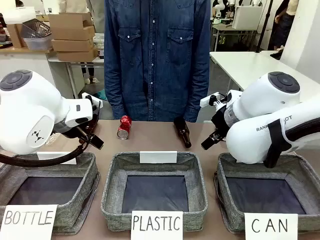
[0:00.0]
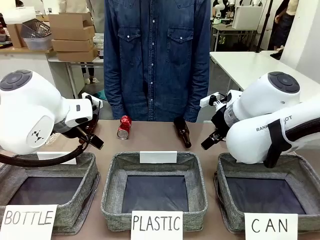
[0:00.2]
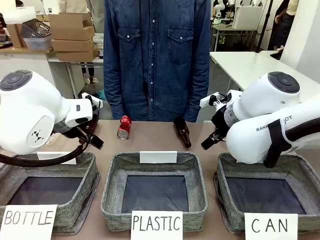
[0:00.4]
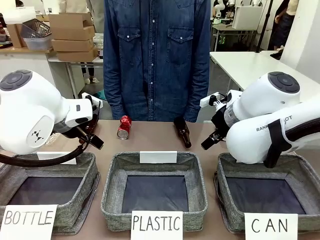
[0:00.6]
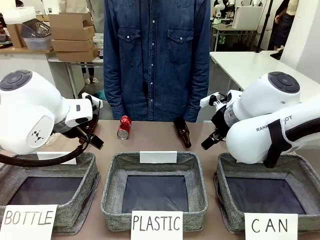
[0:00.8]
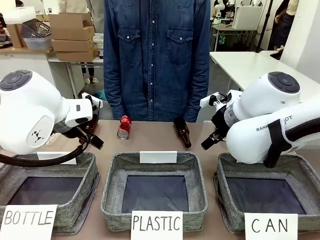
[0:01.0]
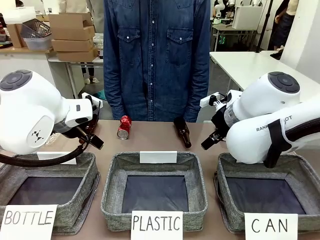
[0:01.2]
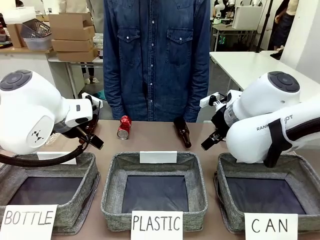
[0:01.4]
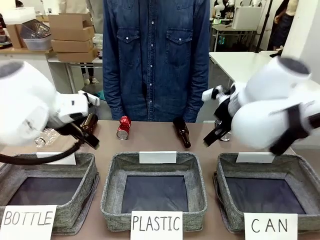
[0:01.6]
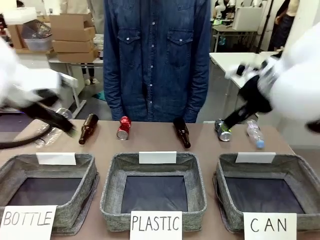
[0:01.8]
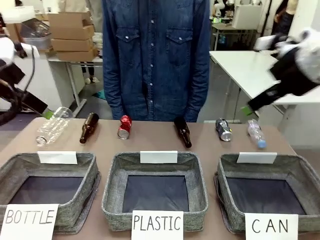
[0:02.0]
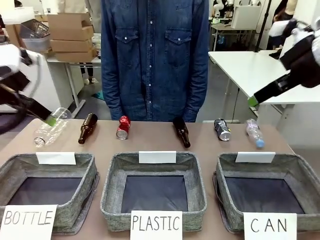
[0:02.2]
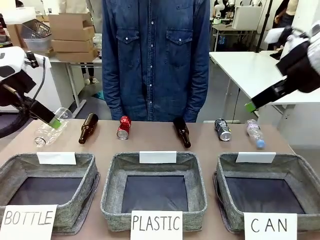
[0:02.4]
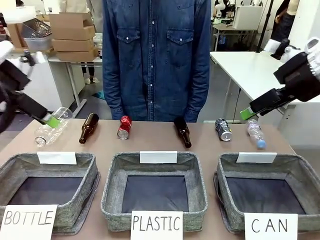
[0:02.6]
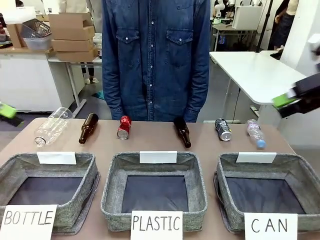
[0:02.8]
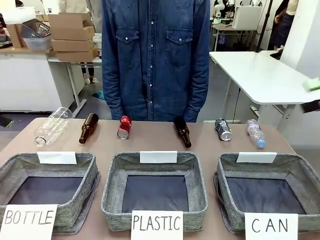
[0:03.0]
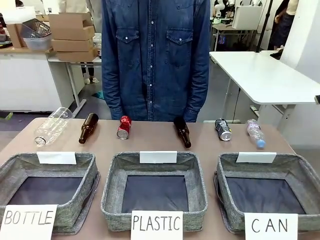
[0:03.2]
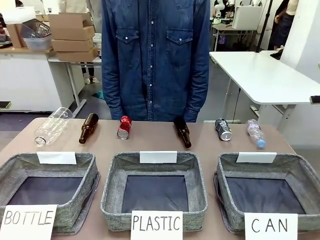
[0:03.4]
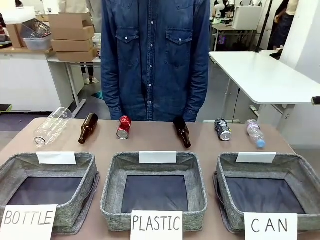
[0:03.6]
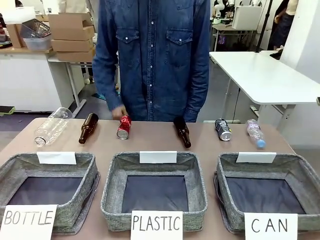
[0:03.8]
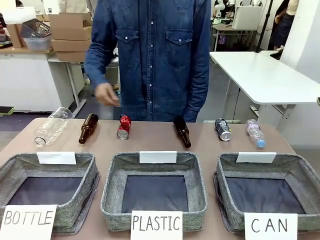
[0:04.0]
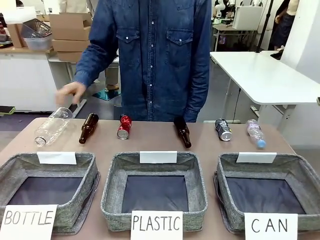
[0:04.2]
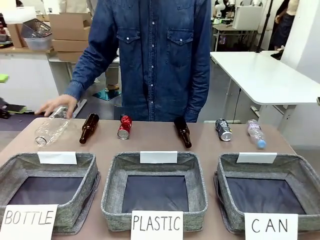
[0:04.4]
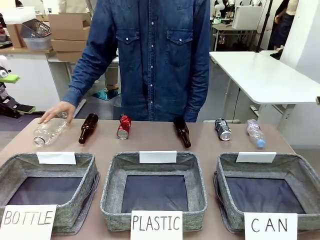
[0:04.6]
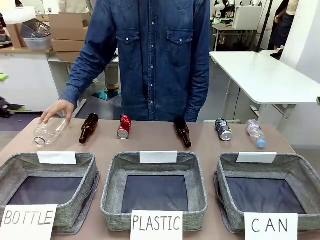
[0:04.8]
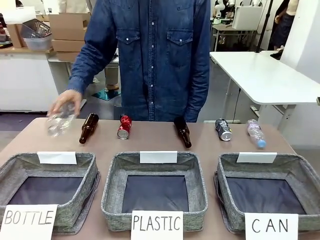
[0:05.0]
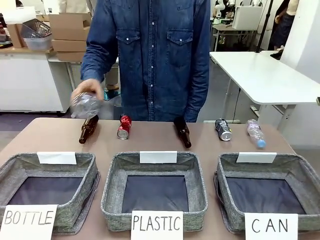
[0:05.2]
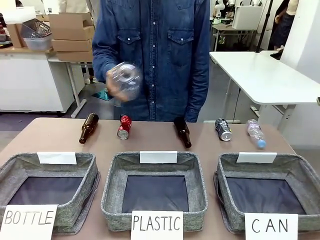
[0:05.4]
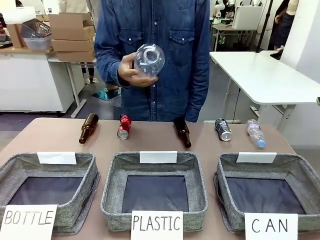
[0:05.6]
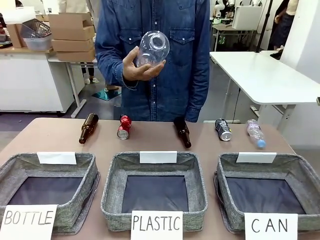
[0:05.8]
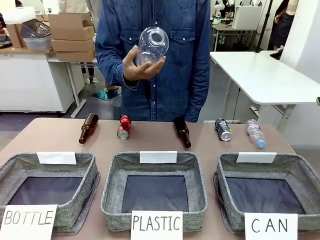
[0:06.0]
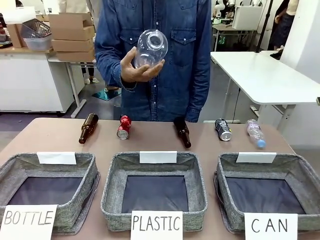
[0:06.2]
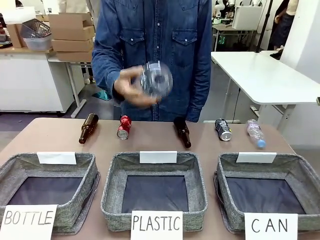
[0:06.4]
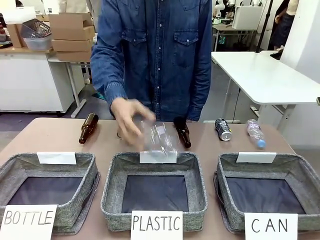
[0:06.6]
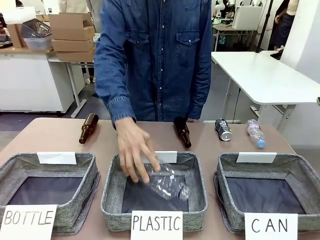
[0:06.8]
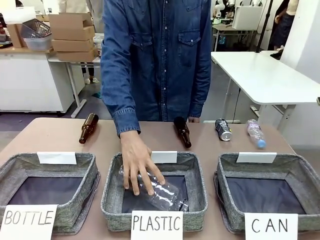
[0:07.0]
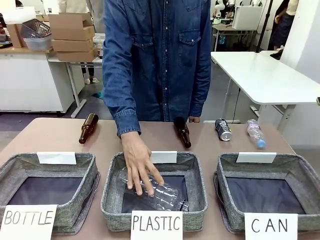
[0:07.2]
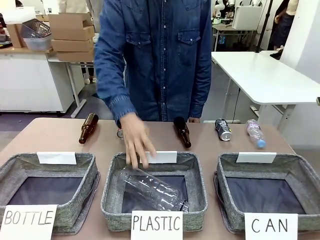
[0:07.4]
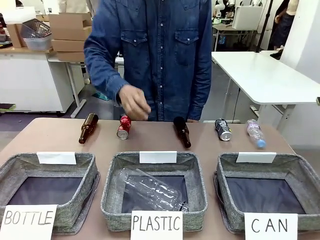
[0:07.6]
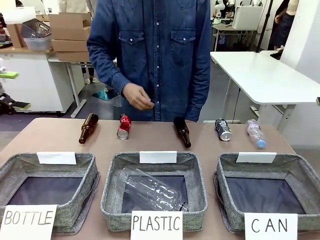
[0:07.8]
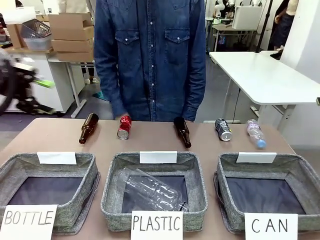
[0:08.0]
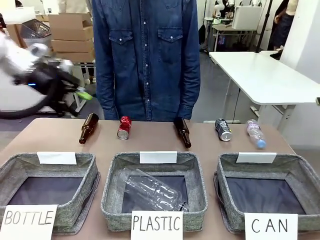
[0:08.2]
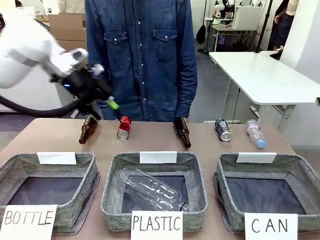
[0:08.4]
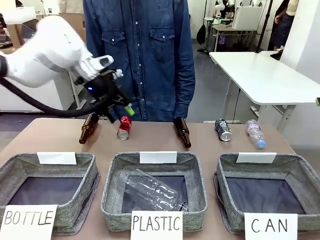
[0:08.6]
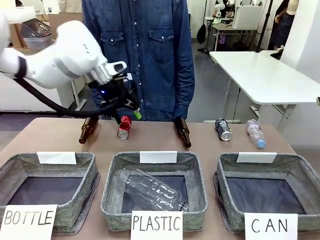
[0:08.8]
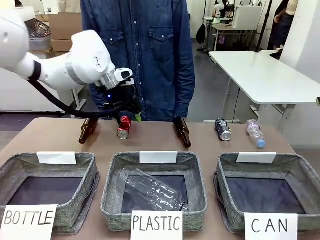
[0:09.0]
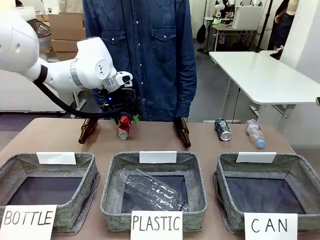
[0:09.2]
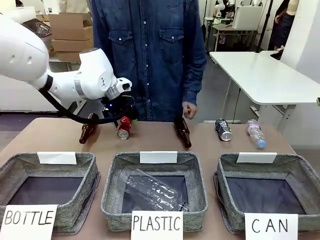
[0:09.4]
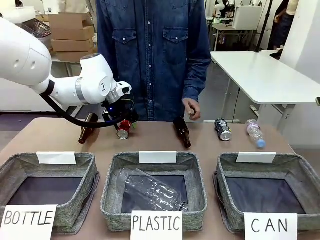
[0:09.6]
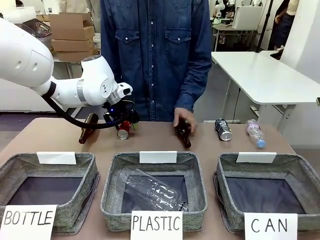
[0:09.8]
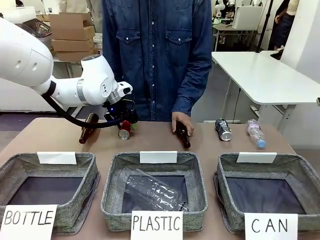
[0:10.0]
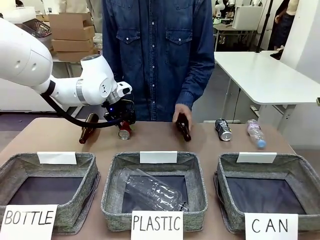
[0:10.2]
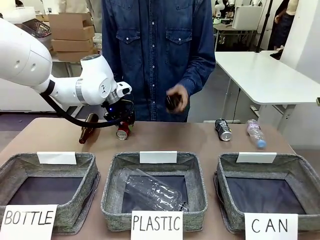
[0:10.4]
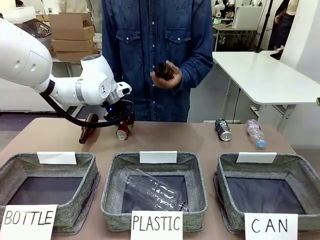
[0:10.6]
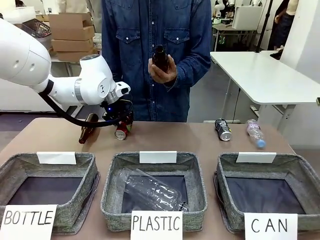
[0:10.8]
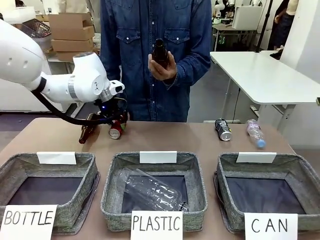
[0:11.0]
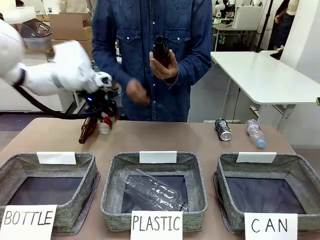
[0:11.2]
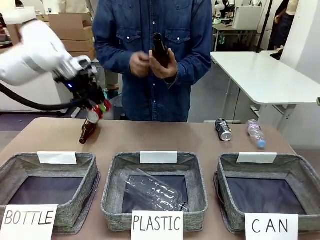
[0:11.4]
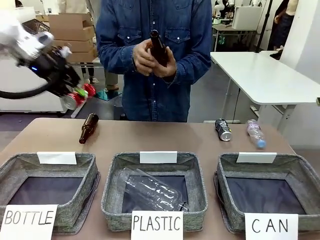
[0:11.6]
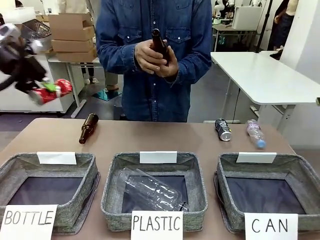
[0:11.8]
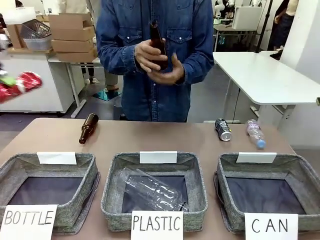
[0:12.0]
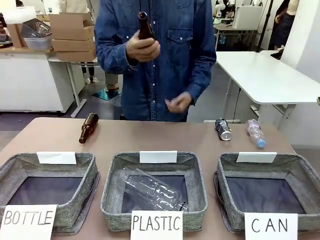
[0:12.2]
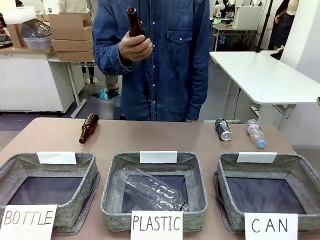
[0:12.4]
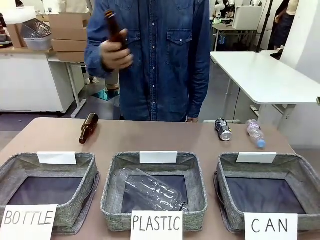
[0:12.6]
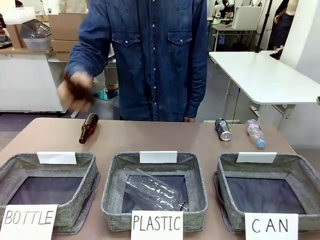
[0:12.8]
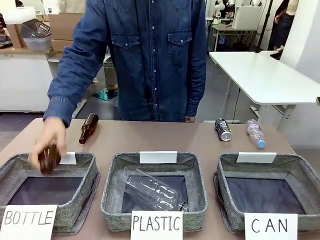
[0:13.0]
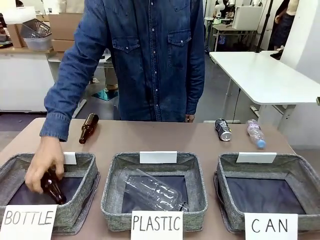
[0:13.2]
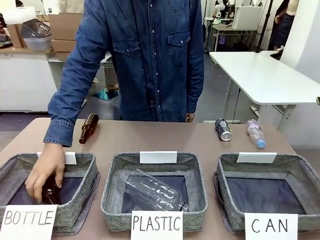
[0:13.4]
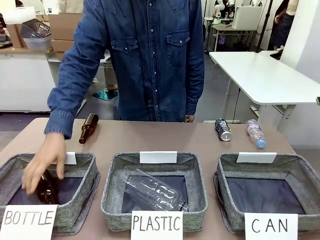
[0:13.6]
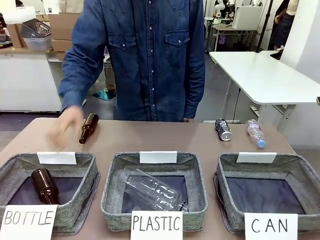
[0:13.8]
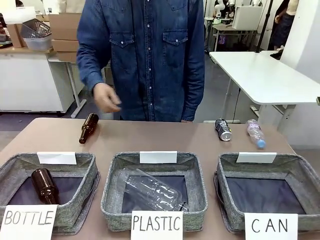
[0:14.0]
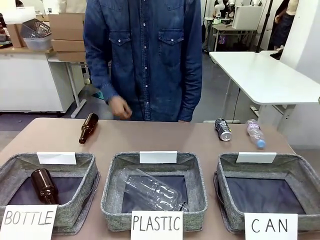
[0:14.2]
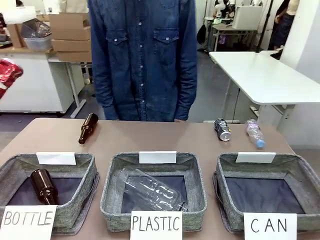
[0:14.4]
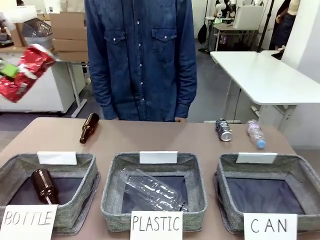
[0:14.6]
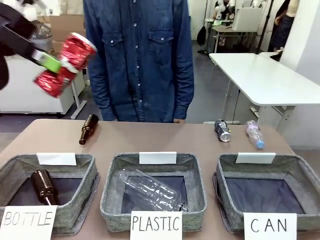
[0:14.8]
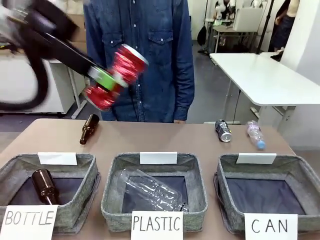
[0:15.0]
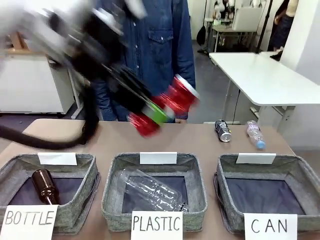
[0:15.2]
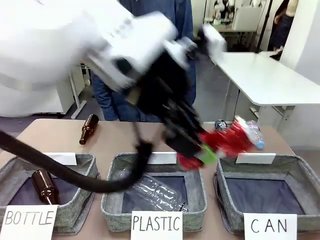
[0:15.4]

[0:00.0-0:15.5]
Task: Sort the can waste into the basket.
Robot: Pick up the can waste from the table and place it in the right Fabric basket.
